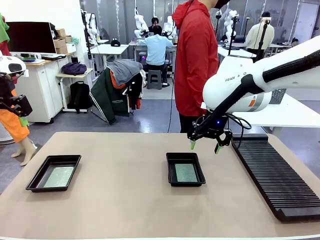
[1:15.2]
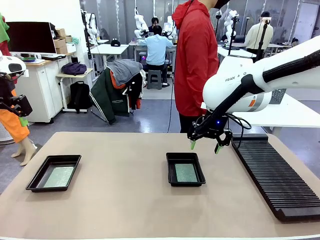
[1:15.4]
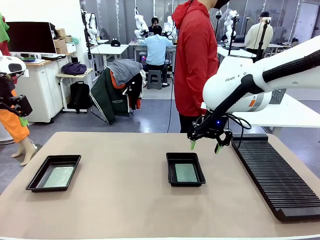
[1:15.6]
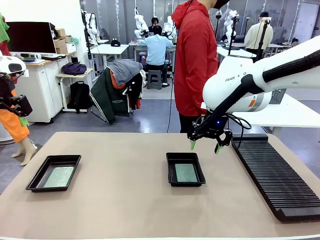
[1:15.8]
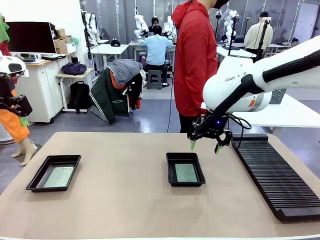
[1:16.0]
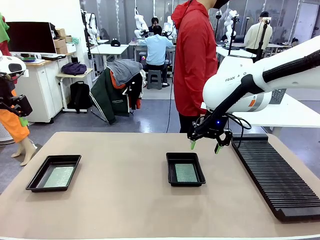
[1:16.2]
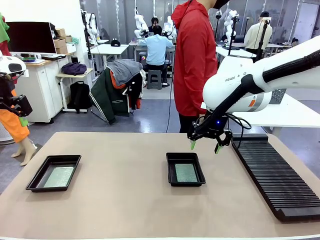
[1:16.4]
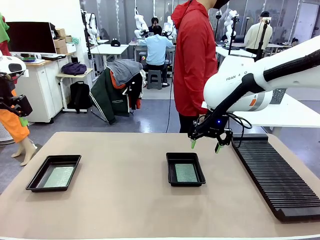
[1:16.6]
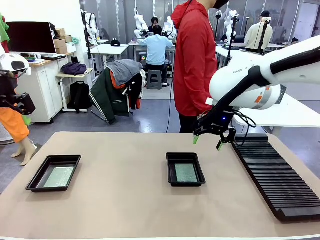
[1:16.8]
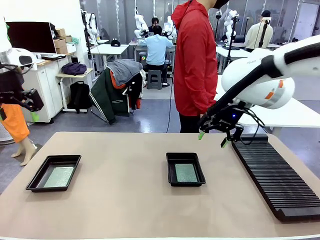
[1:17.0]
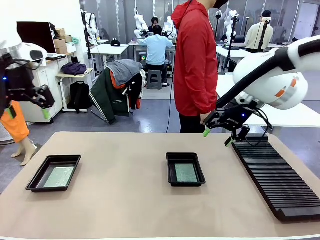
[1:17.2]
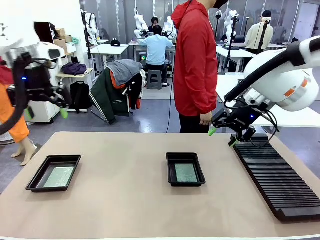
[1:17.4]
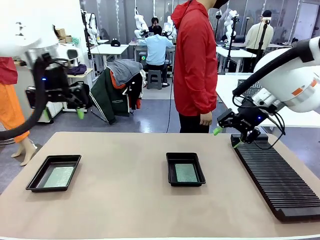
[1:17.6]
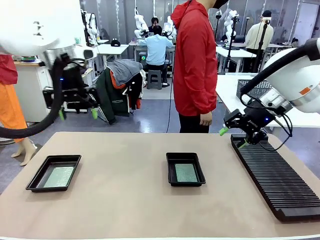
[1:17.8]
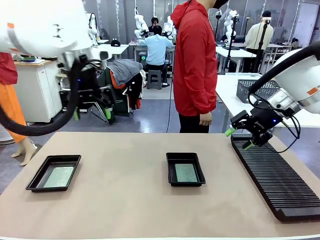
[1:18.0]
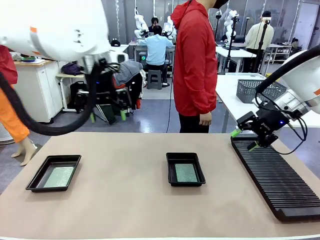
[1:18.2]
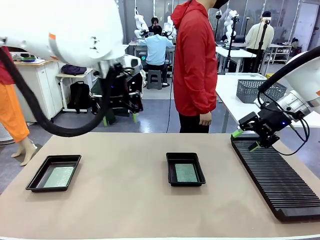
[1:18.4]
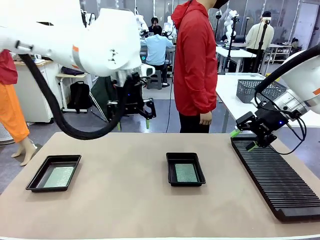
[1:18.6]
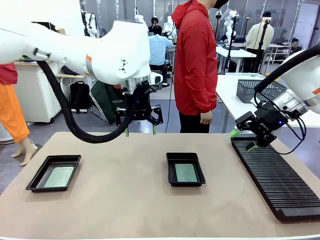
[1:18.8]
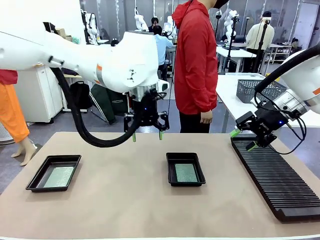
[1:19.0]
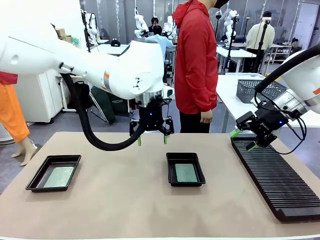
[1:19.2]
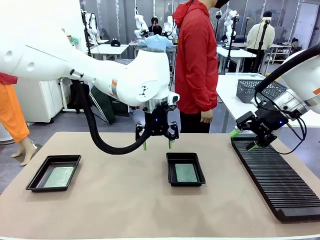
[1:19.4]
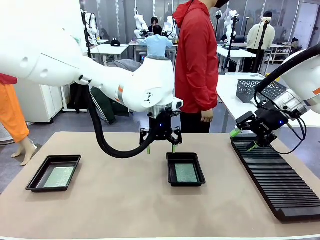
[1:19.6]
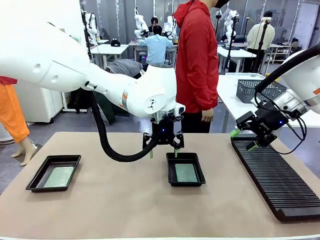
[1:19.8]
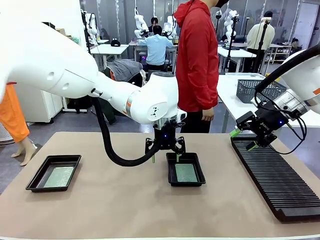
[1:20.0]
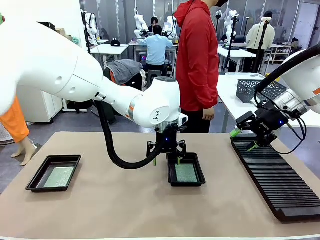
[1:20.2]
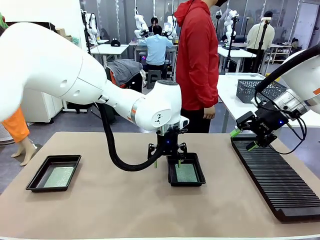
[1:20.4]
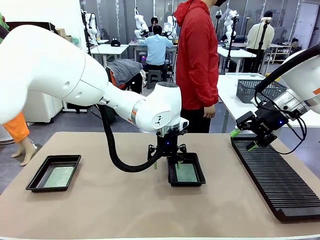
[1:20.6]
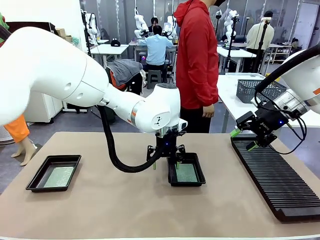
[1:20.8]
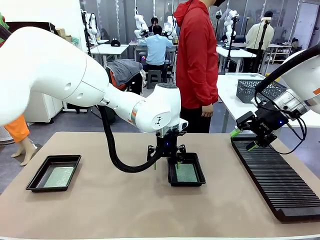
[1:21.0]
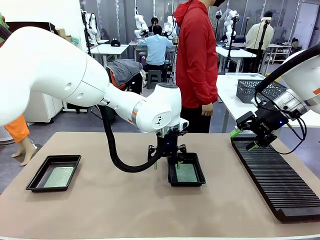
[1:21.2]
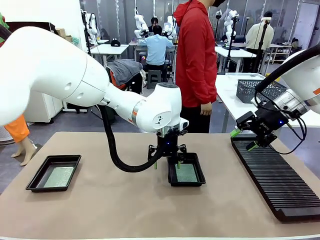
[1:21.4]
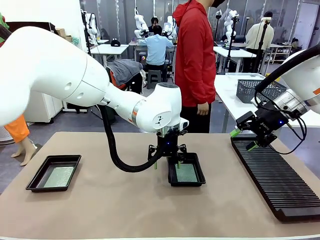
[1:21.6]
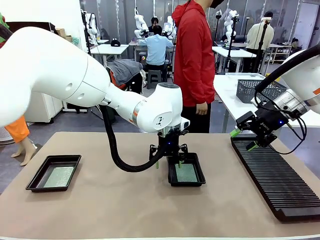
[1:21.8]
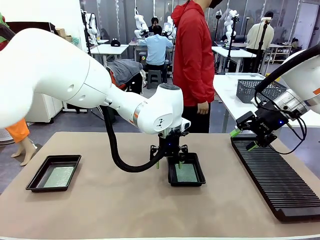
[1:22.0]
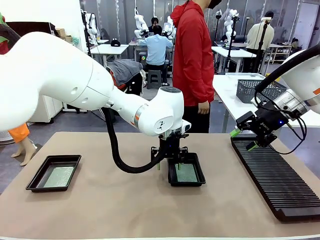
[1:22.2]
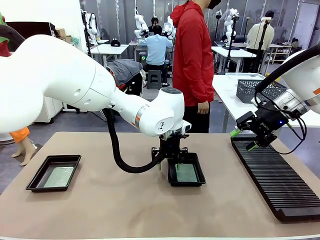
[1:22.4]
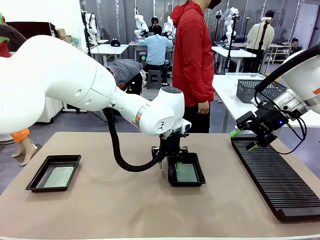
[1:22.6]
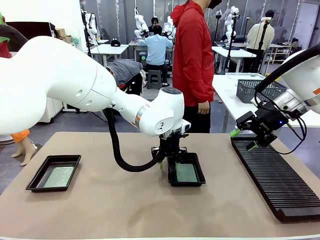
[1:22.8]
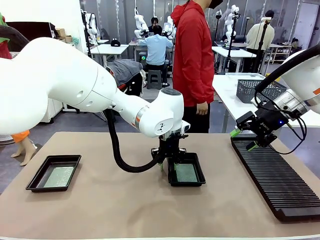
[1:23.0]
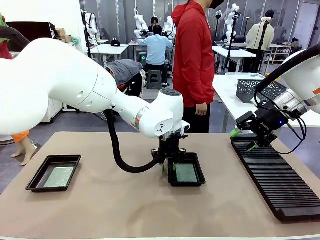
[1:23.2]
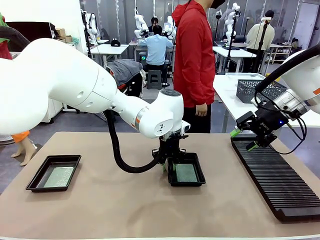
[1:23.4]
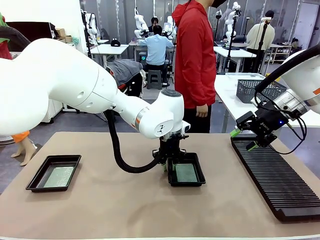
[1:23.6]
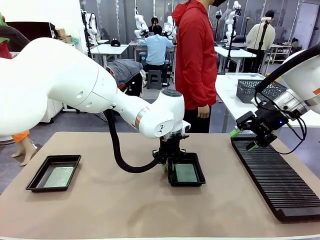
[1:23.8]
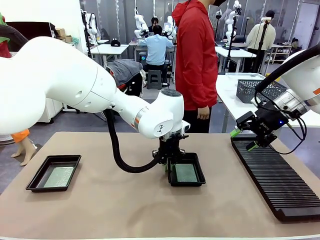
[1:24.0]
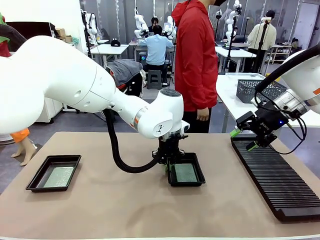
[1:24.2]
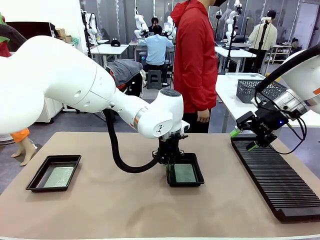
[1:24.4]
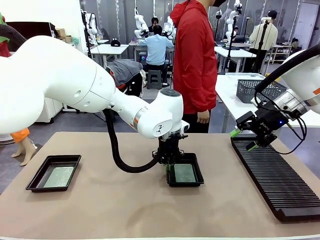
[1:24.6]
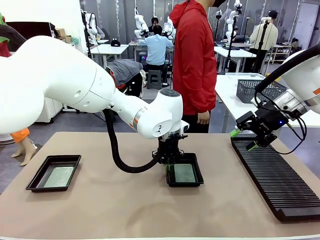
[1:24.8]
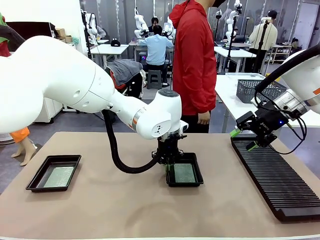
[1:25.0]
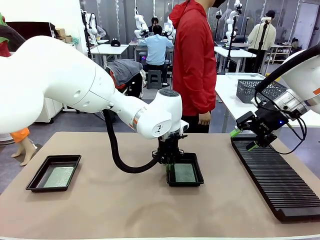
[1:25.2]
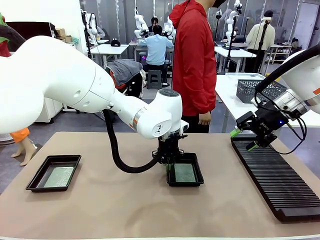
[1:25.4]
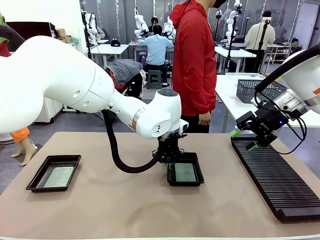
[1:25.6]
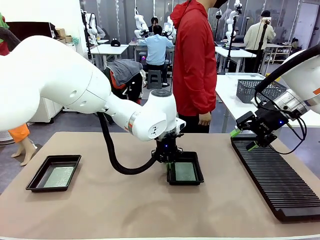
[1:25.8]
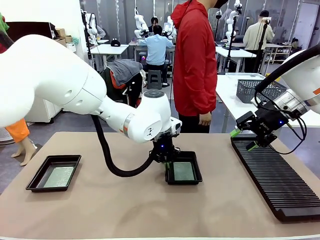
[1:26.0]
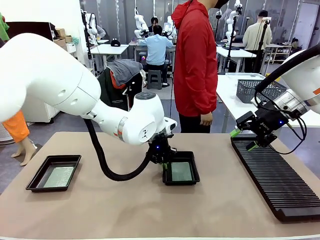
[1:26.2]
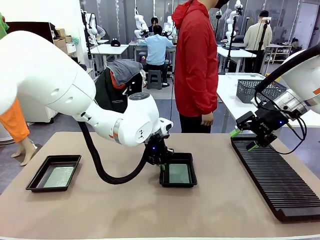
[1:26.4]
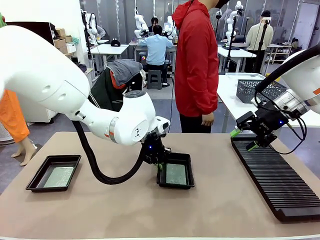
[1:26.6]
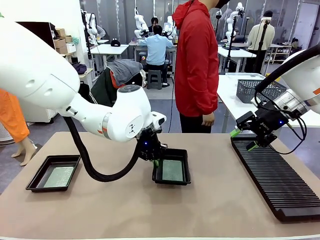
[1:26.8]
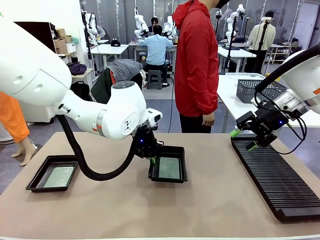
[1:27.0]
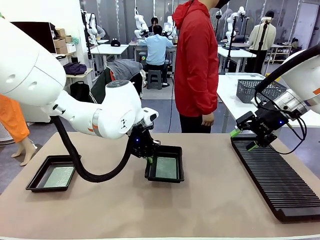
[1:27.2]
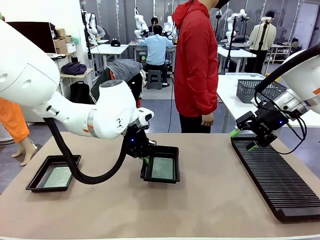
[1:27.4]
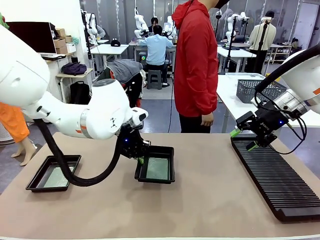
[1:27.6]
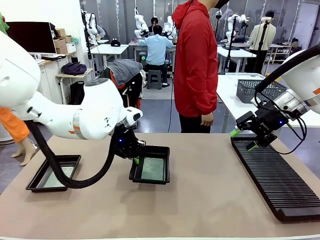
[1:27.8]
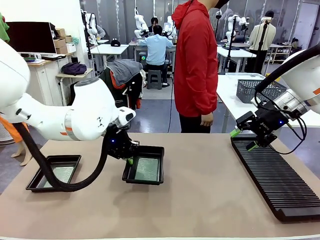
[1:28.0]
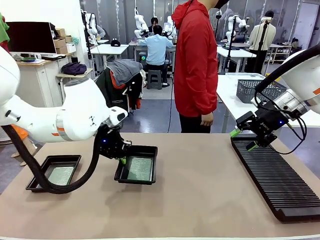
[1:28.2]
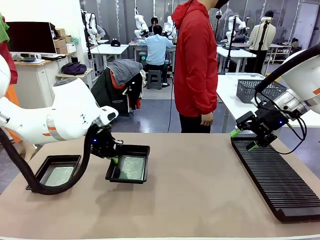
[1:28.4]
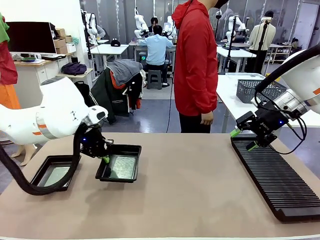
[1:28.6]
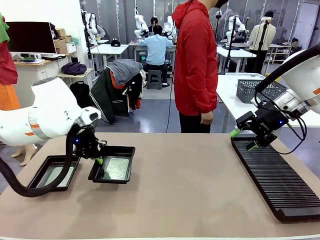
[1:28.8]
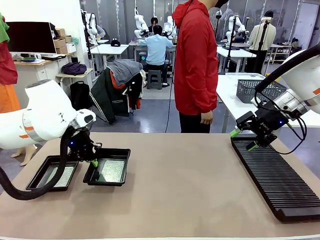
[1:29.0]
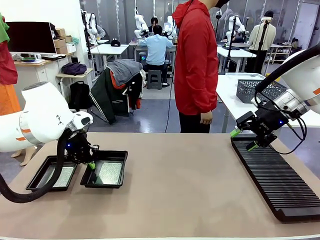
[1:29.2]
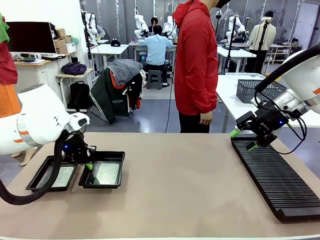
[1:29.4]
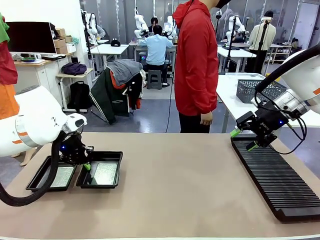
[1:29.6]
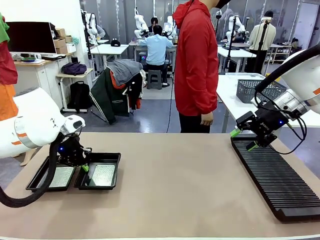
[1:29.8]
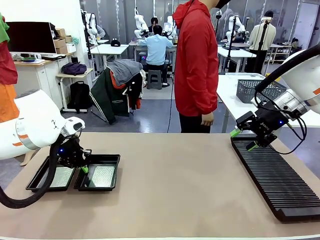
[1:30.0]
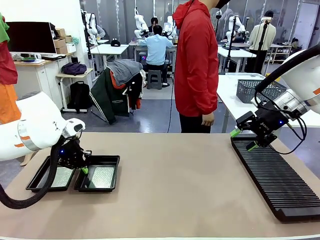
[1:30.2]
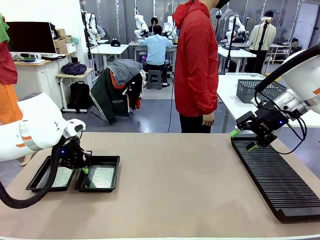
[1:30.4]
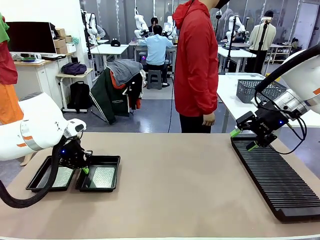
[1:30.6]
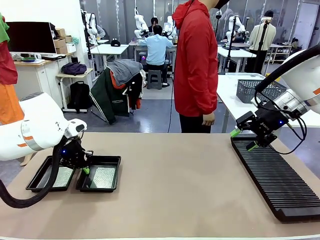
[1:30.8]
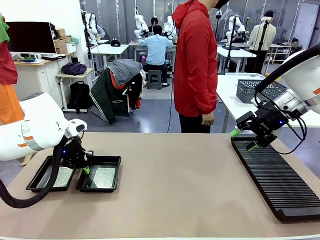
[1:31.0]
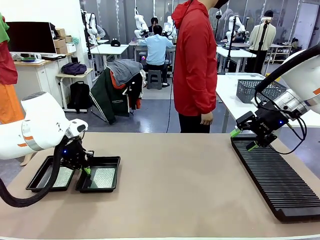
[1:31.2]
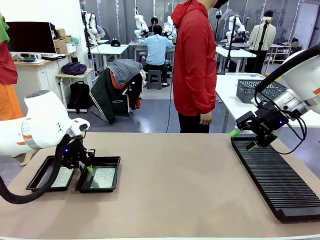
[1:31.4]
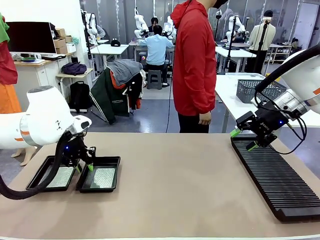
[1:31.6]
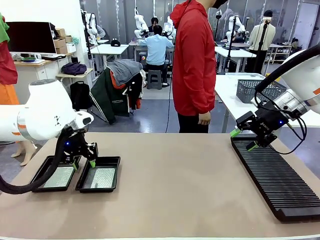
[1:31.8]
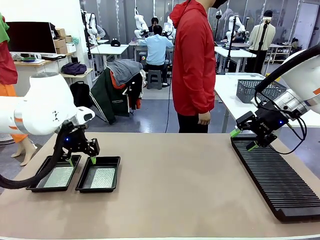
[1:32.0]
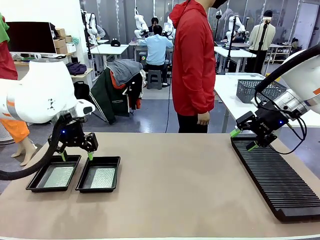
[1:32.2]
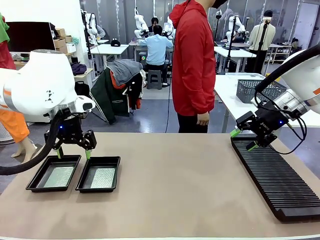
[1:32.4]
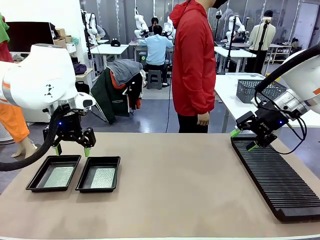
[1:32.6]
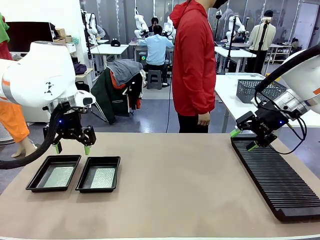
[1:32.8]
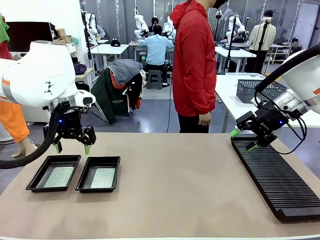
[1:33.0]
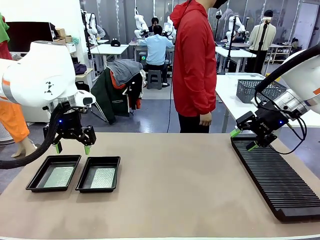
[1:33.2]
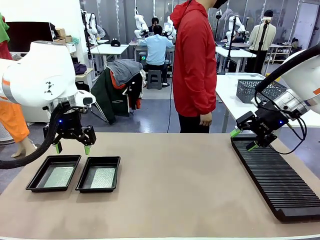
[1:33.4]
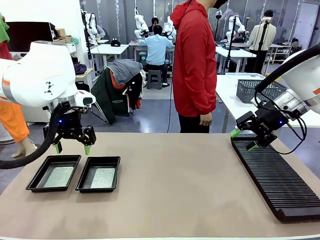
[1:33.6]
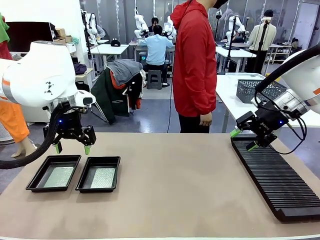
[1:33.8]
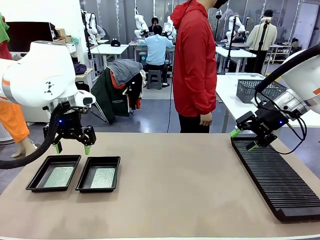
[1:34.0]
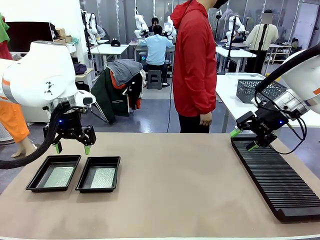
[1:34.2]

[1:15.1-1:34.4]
Task: Inspect and transfer BCBs to ESD trays.
Robot: Pick up the ESD tray and place it on the left side of the table.
